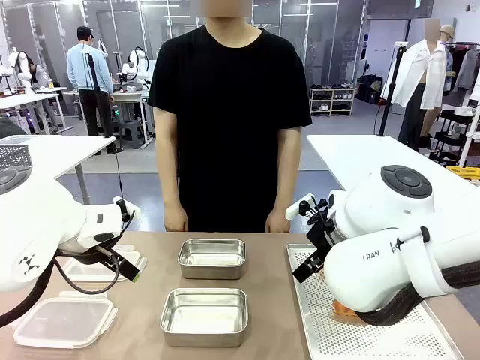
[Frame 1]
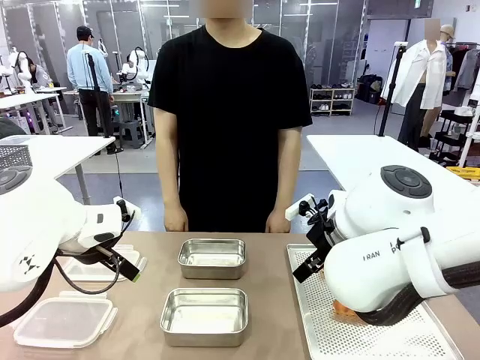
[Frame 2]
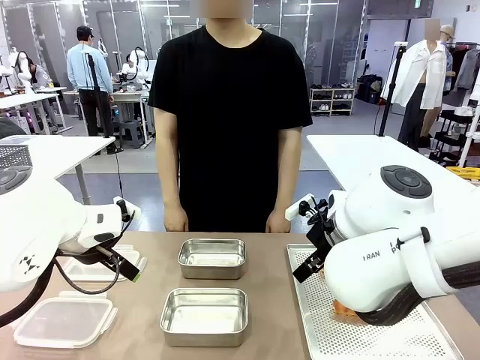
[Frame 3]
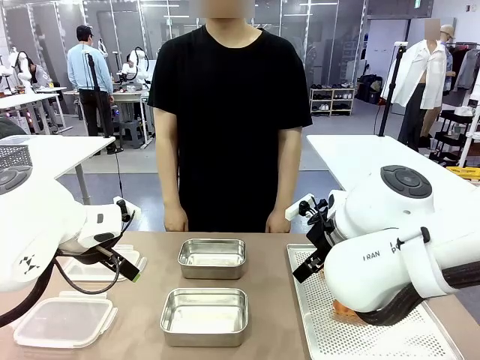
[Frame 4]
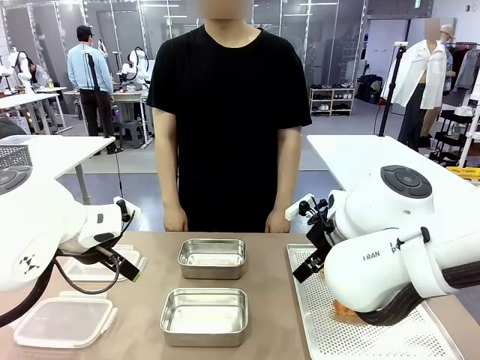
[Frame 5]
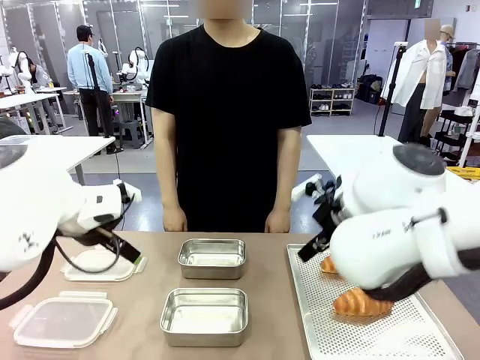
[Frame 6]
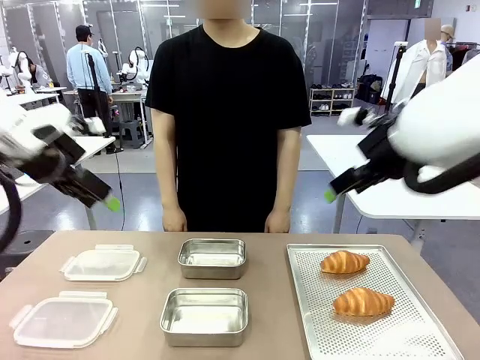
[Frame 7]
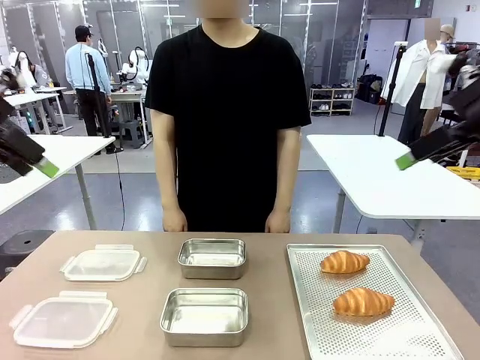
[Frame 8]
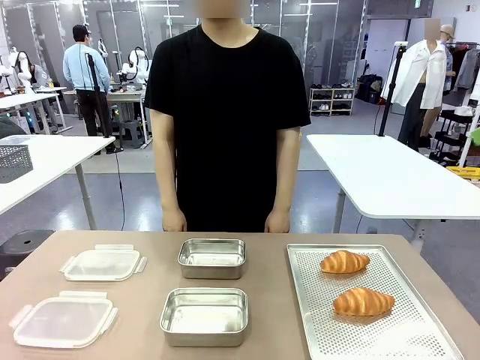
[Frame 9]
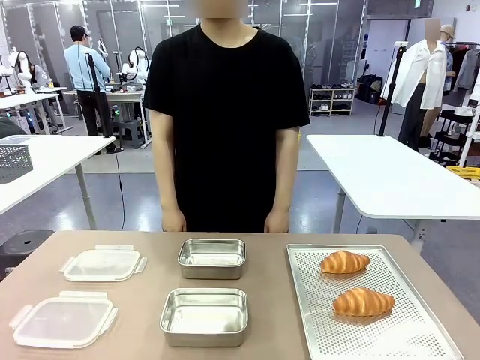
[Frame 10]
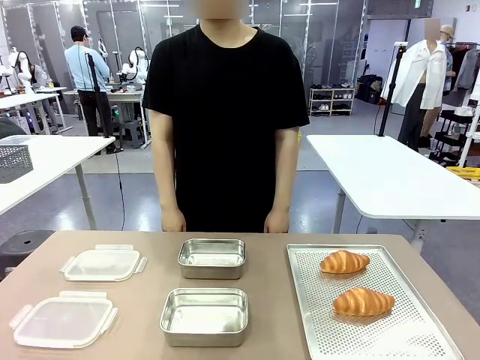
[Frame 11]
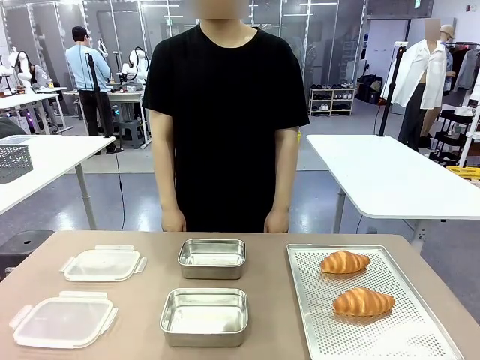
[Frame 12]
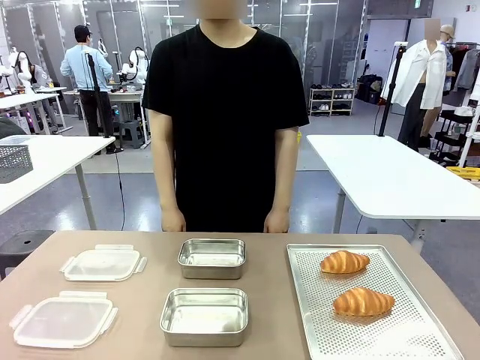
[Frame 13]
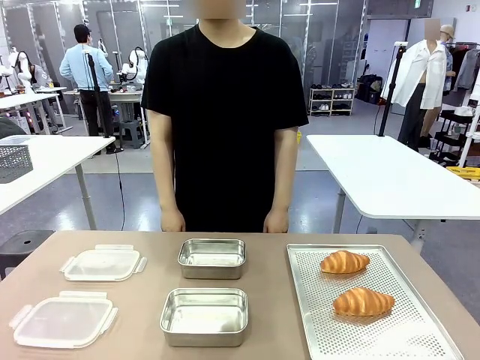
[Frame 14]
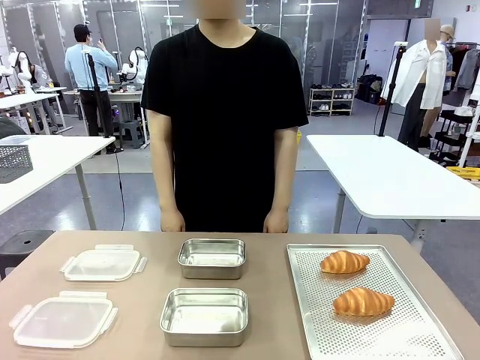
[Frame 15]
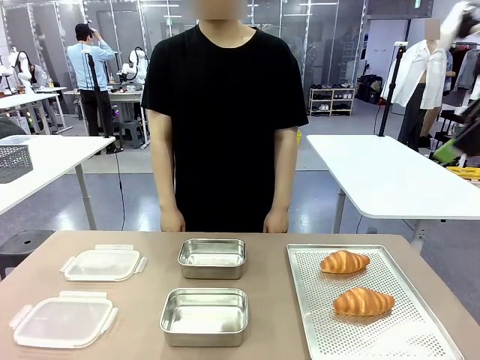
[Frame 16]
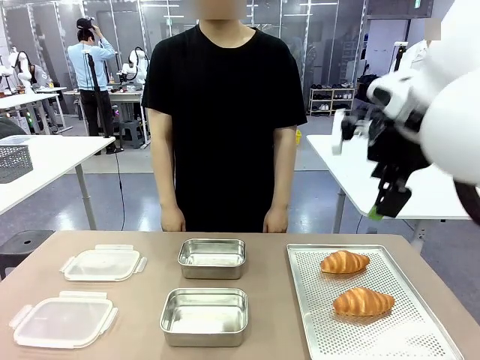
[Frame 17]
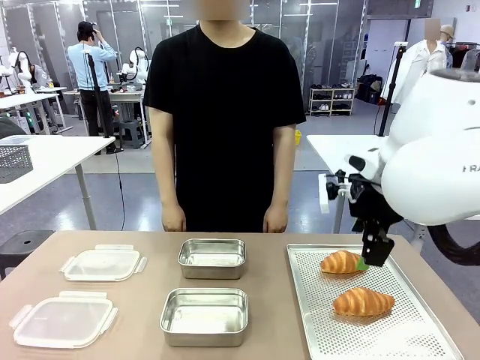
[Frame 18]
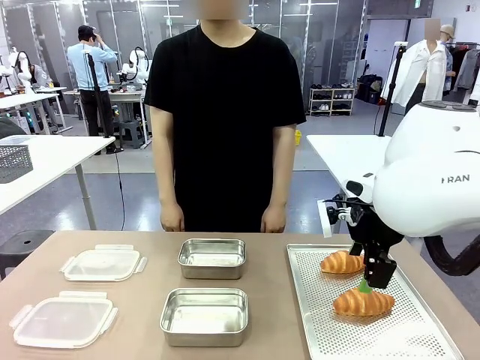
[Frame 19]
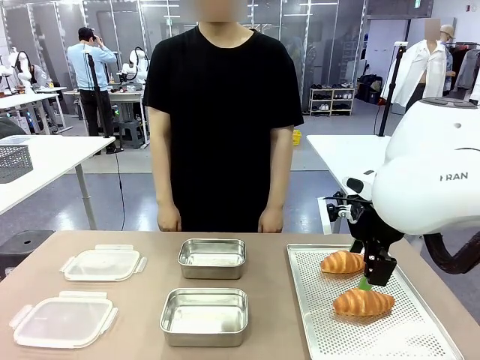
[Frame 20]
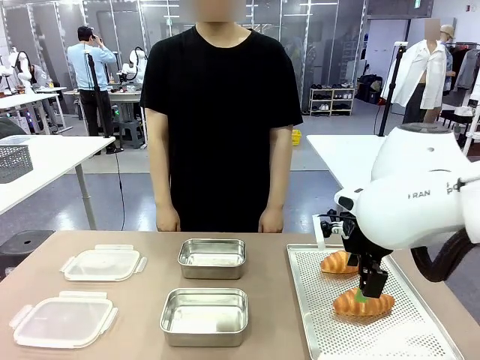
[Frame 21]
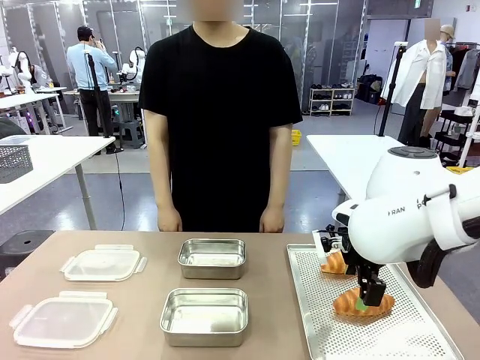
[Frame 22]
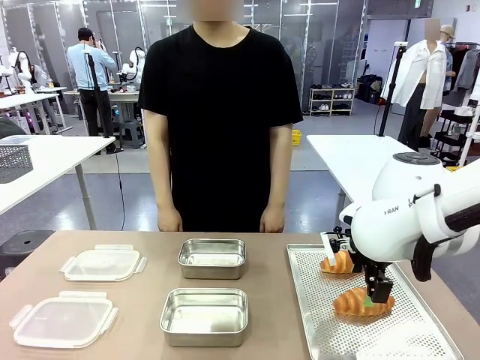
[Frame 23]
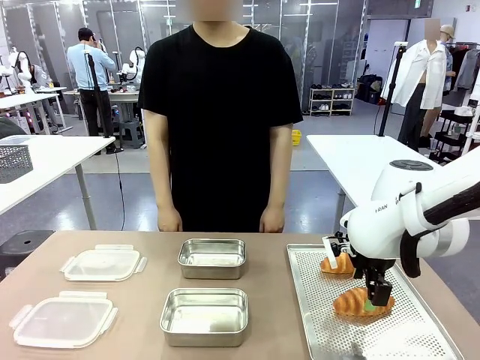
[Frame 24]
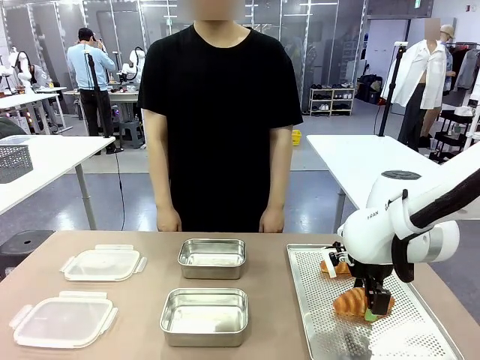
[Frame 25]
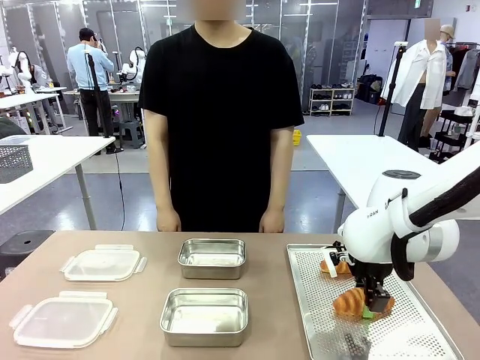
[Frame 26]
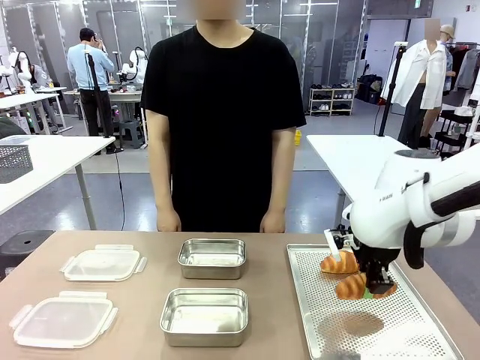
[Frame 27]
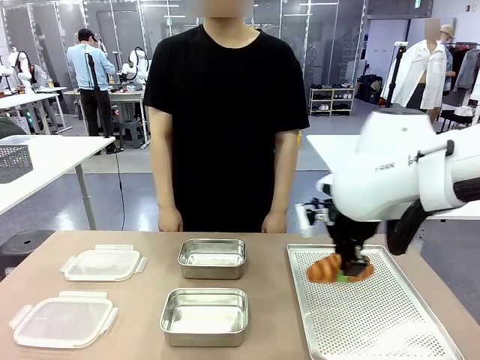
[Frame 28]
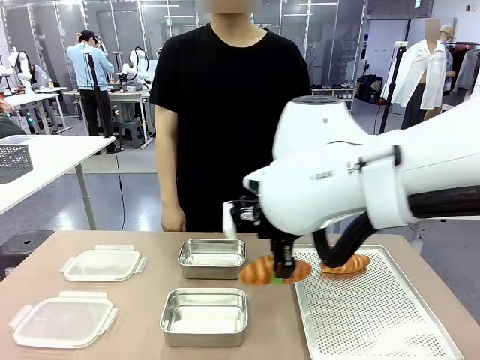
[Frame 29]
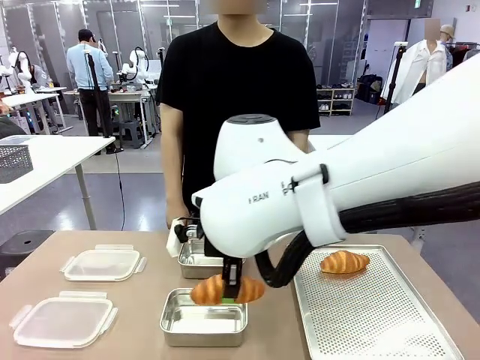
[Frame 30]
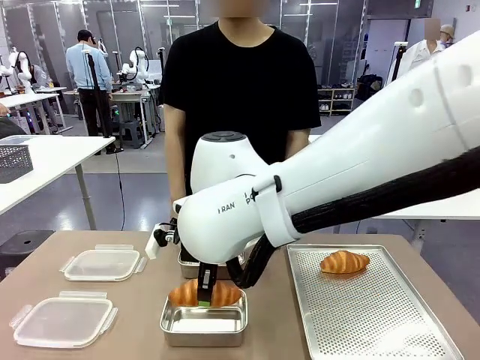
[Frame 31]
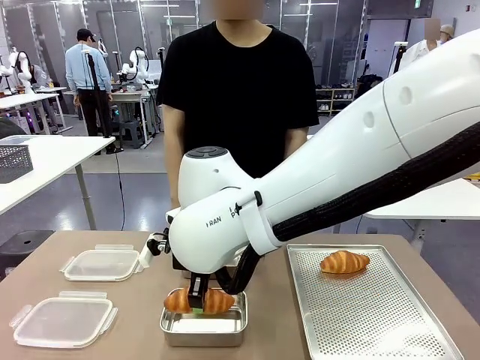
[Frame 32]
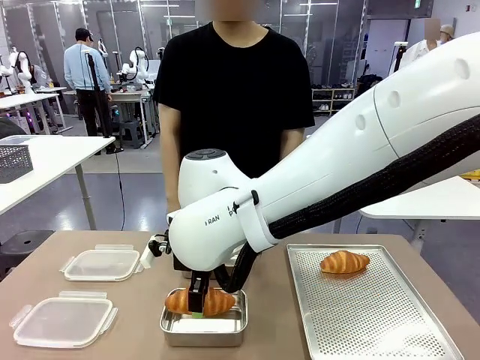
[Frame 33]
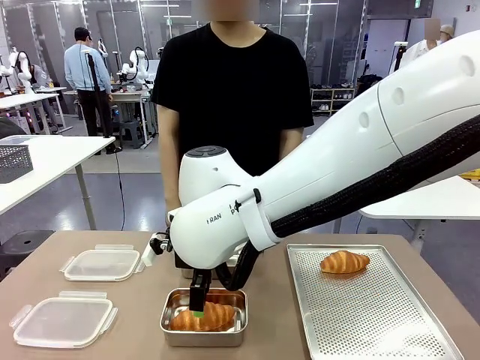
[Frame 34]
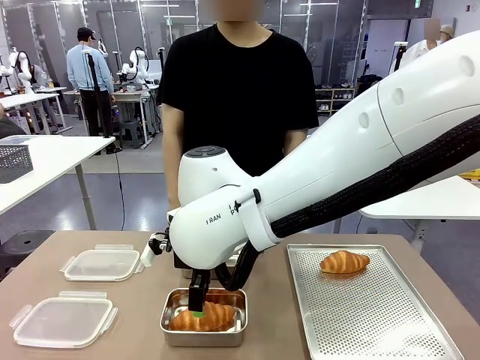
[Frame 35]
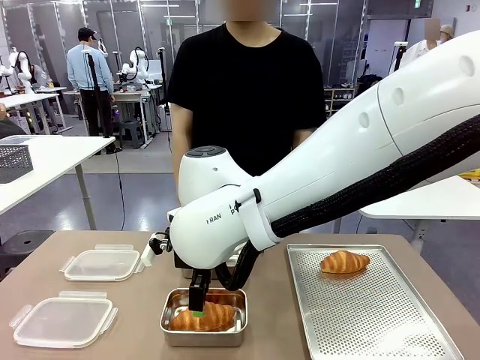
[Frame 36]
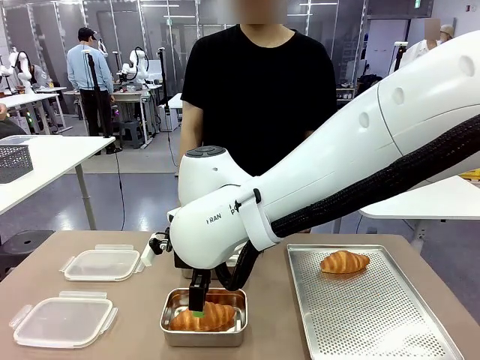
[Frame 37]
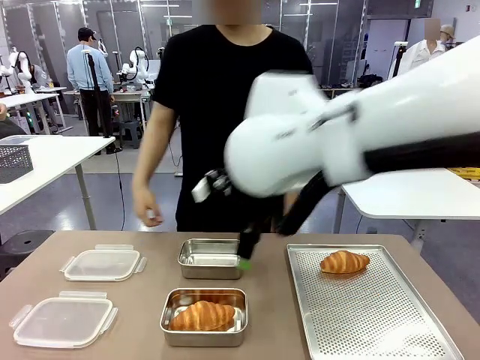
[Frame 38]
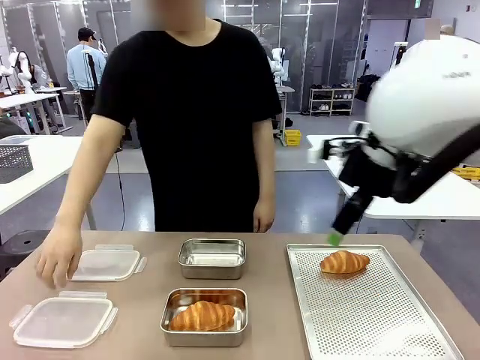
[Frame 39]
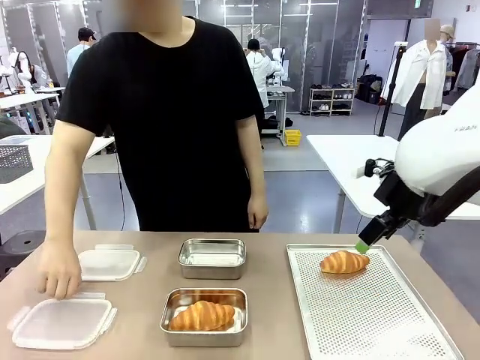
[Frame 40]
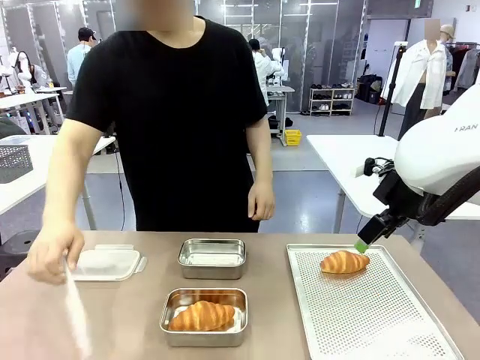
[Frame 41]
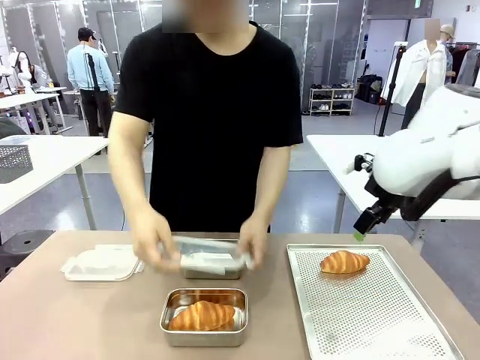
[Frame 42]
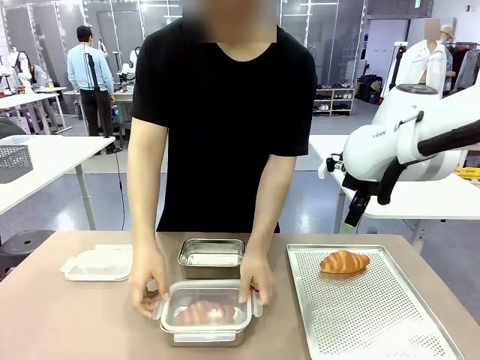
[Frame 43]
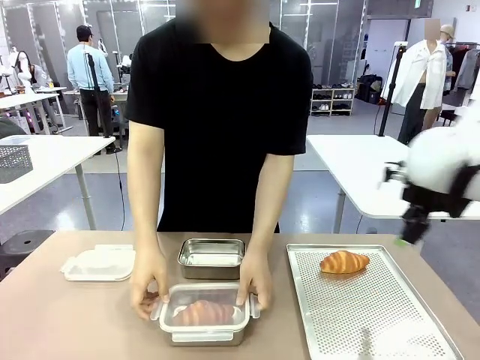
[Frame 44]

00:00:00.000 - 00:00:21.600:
Task: Place the bread into the airtight container.
Robot: Pick up a Butter Roll and place it into an empty Airtight Container.
